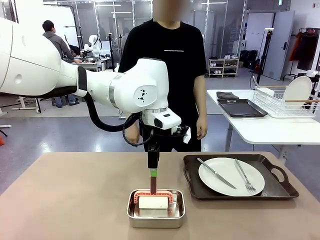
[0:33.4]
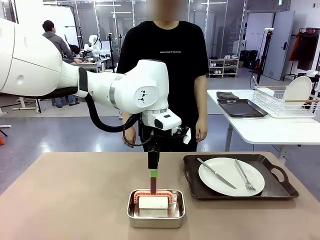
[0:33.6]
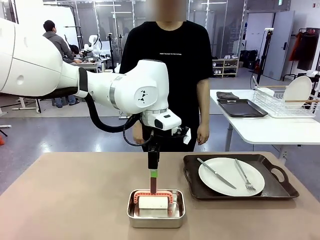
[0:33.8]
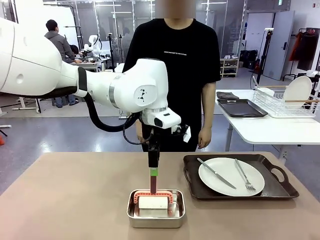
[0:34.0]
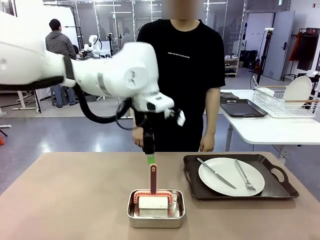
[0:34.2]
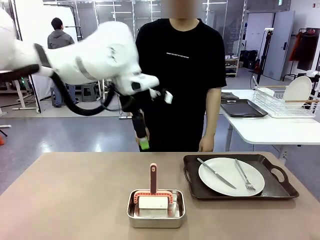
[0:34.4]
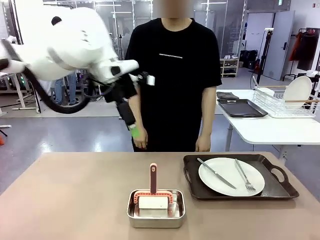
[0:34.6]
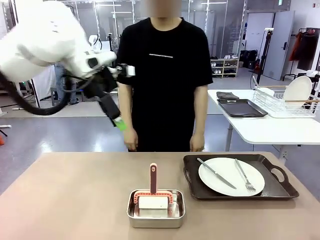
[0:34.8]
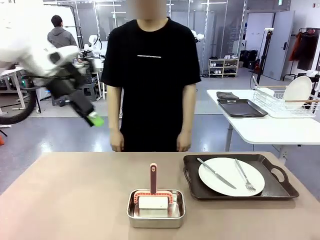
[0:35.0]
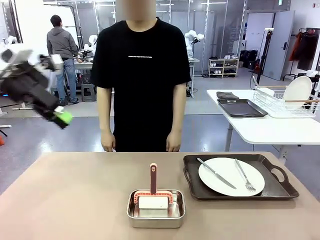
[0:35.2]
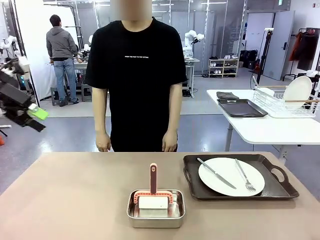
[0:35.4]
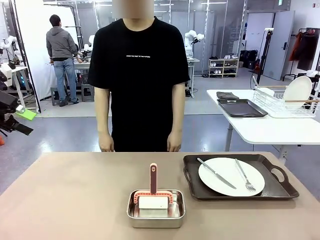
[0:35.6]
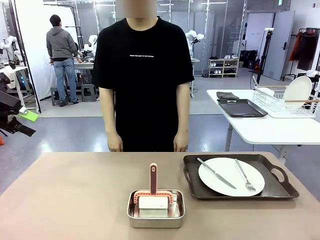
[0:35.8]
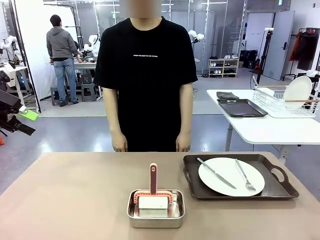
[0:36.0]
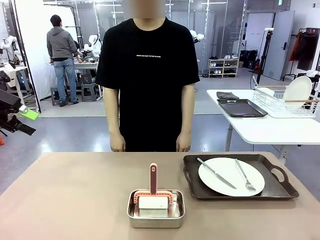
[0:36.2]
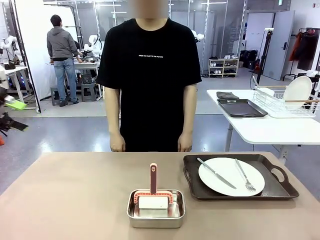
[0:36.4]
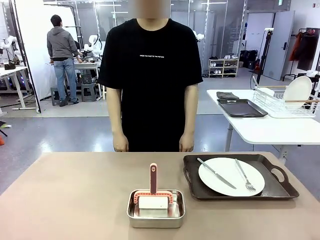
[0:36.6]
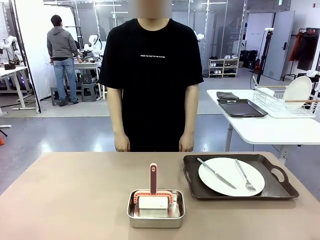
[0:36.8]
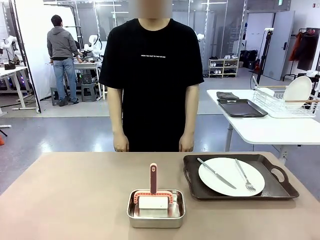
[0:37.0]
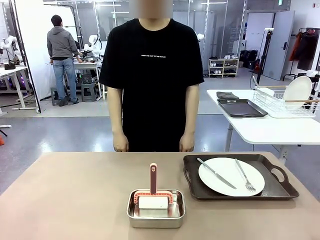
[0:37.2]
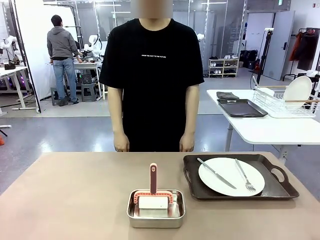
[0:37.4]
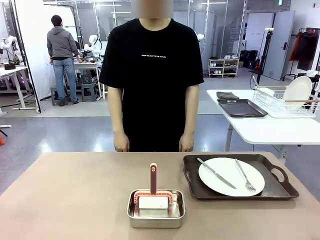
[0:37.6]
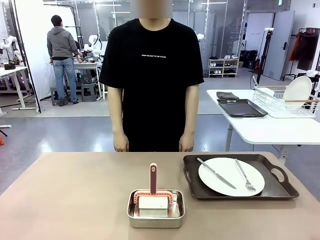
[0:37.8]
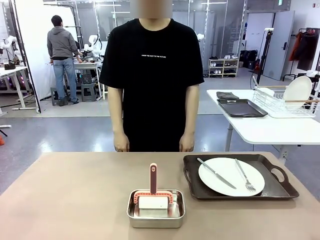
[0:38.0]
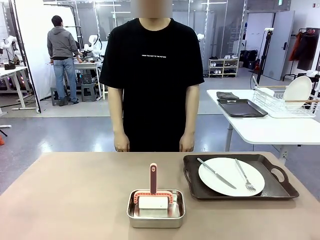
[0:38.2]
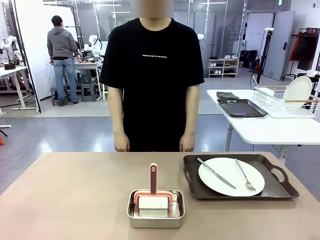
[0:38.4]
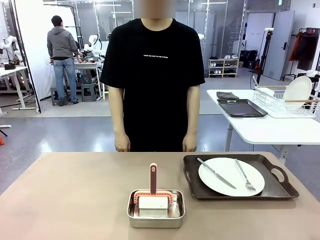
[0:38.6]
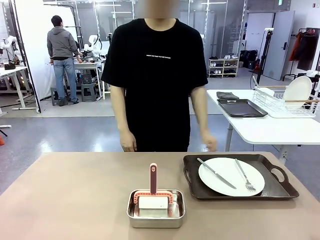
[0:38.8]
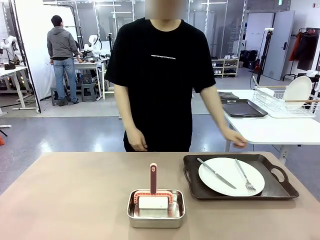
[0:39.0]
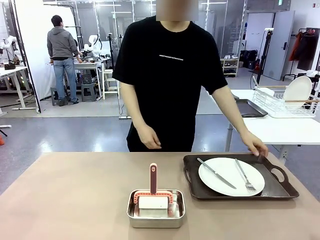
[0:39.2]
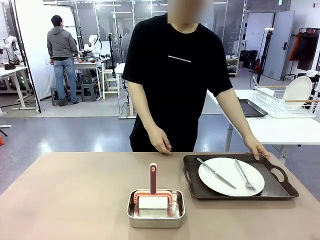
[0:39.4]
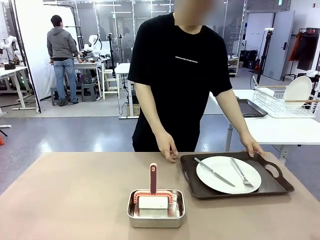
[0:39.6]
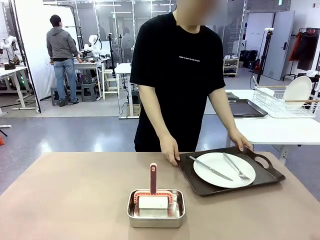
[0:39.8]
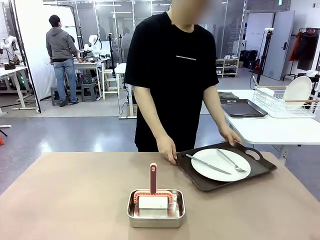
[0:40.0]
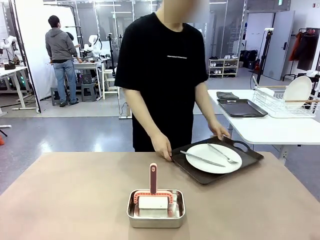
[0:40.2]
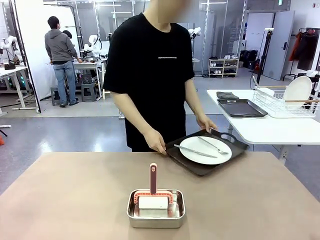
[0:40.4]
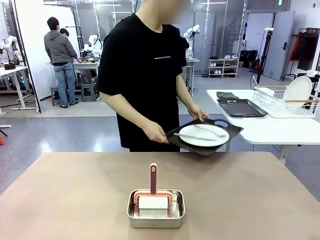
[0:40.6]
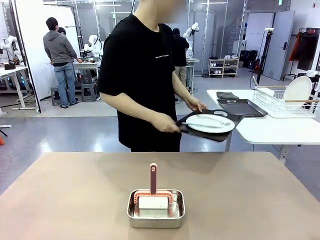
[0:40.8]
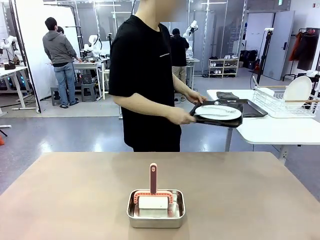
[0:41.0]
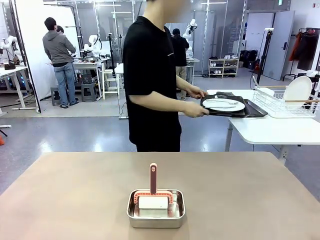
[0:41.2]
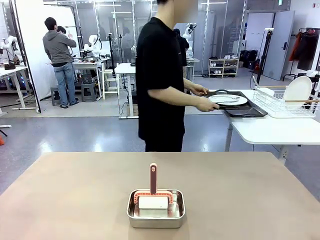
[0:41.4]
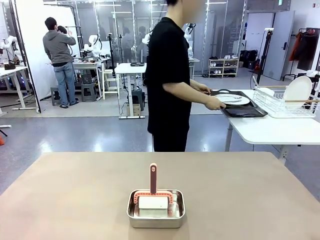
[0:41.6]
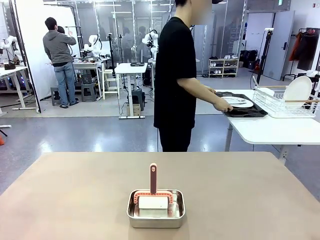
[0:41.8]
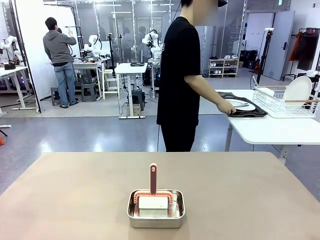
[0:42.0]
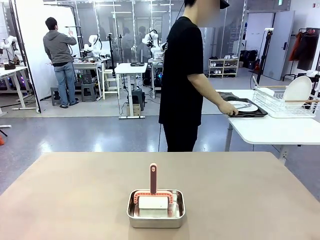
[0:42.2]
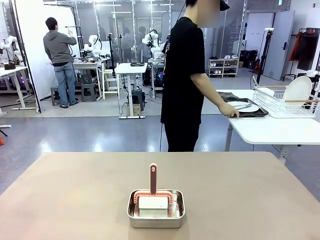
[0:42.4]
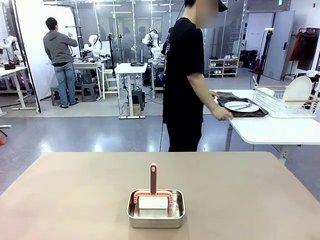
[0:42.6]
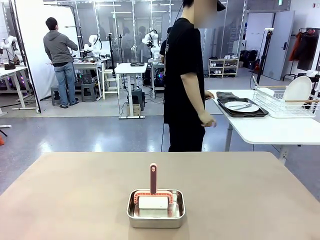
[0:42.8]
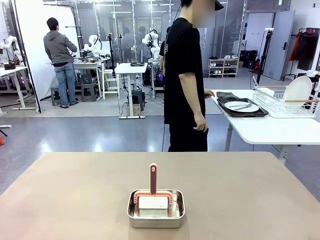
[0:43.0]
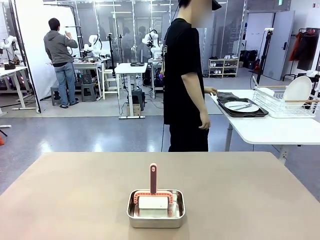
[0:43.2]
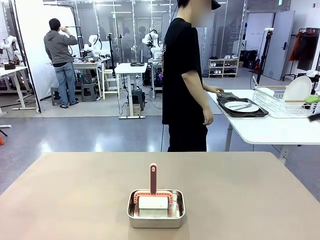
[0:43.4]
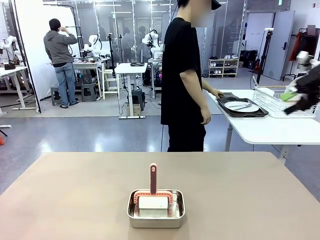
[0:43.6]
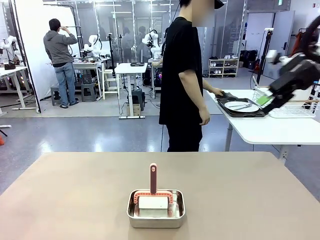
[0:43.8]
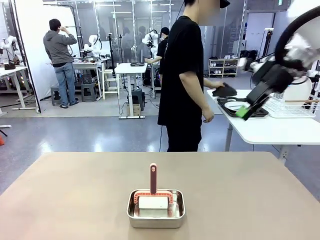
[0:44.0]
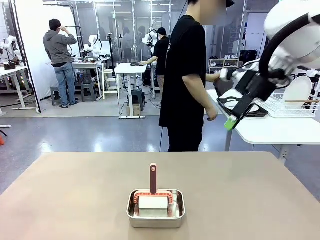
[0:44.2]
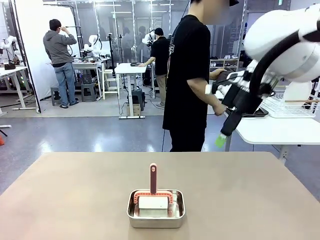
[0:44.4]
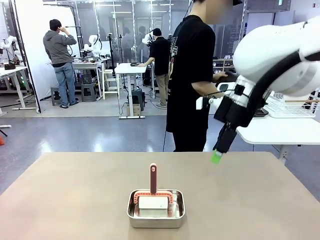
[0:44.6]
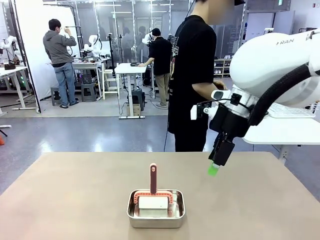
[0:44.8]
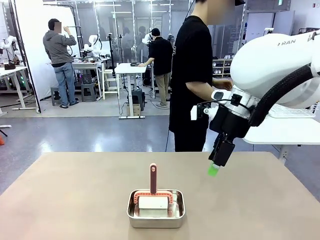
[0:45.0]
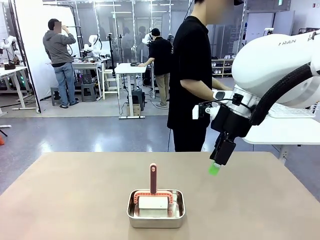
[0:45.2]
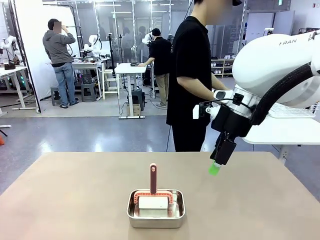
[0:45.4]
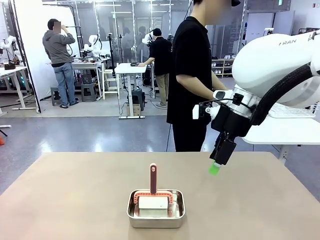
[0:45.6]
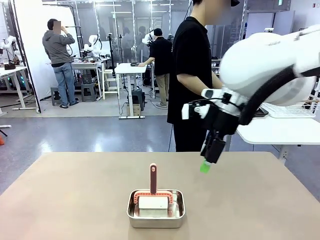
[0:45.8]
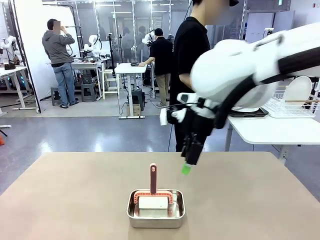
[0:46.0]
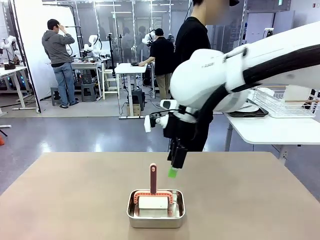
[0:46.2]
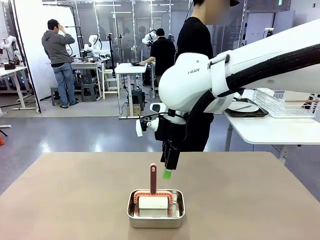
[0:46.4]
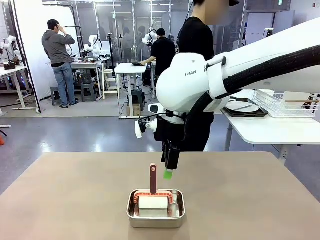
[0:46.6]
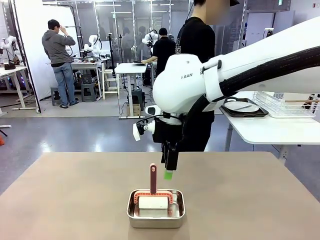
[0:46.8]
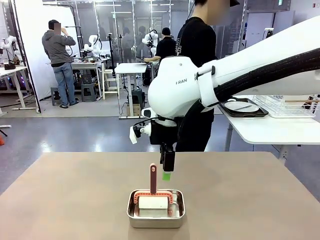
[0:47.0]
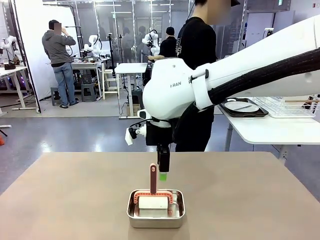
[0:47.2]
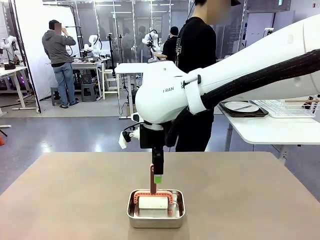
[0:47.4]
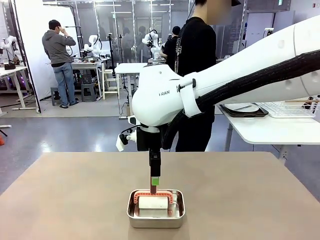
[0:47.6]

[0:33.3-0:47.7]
Robot: When the right (or left) Handle tray is removed, use the right hand (or left hand) to clean the right (or left) side of the table with the Lint Roller.
Person: Pick up the left (or right) Handle tray and place it on the Handle tray.

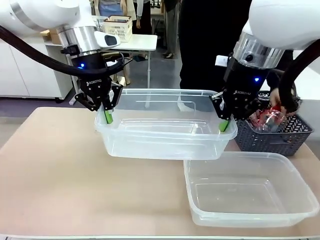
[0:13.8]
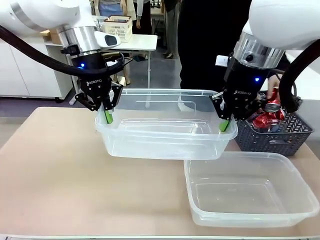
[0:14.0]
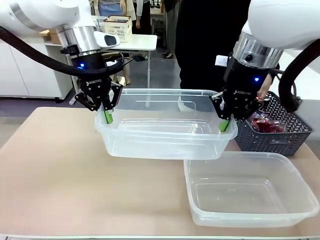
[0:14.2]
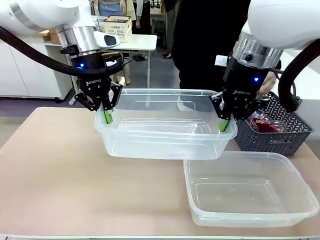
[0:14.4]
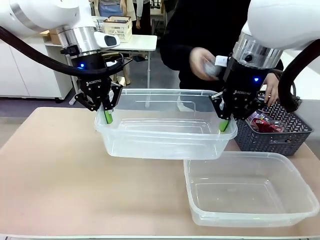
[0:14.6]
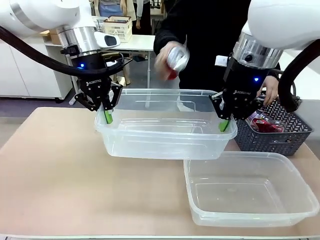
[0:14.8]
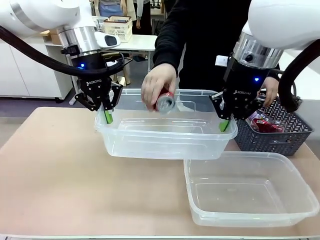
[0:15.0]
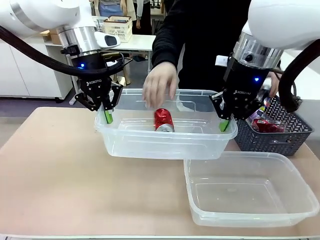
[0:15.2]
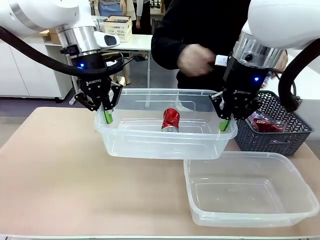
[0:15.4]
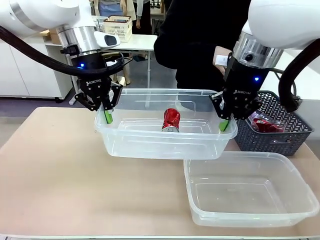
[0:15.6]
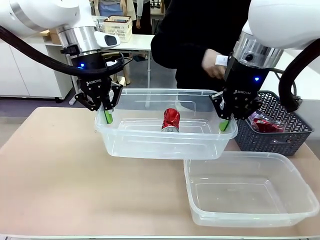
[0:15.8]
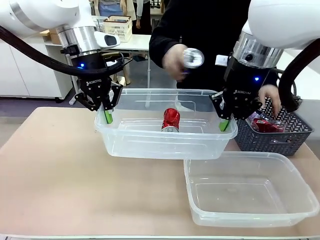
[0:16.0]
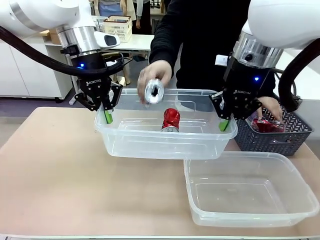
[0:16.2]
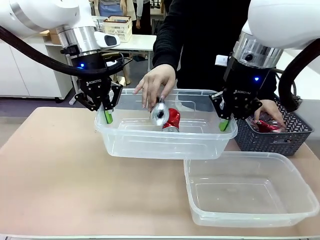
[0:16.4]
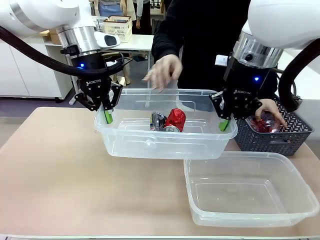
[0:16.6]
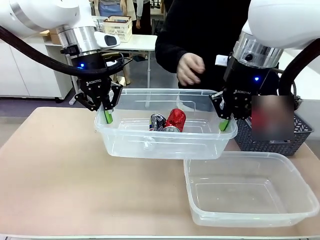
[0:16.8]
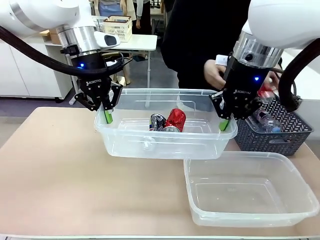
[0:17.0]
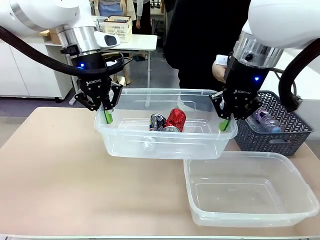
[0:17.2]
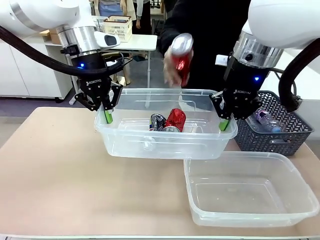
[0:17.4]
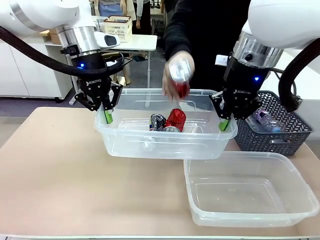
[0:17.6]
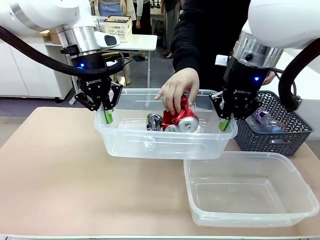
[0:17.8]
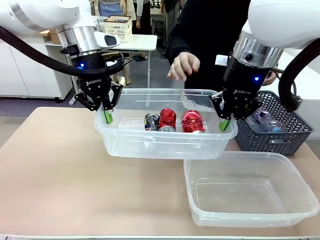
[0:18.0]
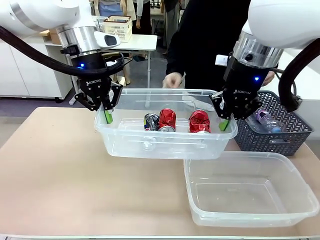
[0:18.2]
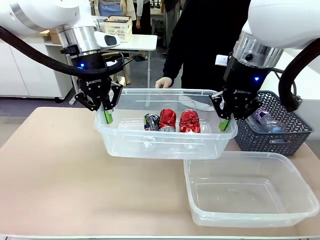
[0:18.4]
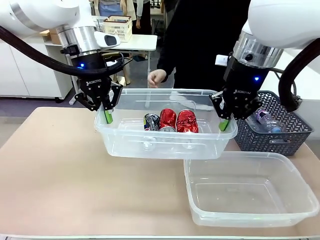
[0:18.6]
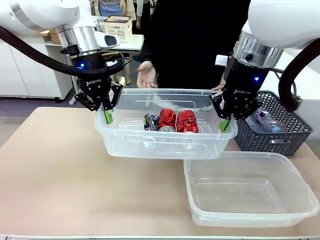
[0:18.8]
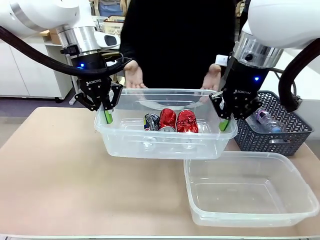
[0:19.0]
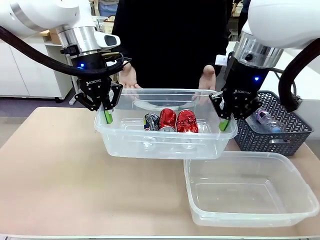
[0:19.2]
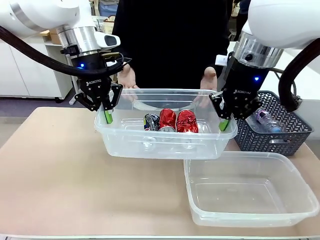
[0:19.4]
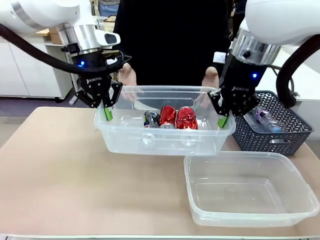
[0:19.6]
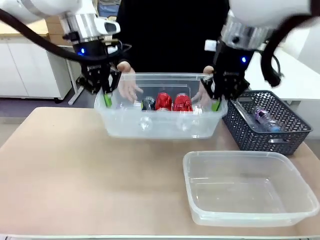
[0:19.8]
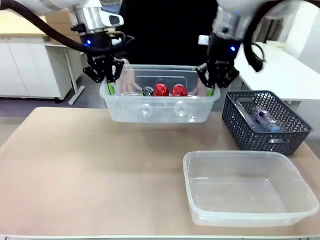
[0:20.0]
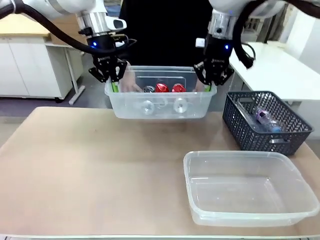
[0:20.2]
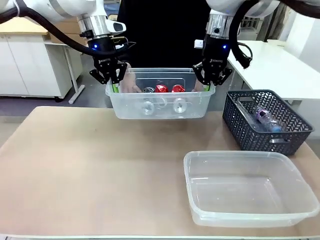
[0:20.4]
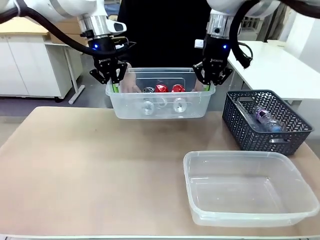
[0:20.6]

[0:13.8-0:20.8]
Robot: Offer the picked Organizing box to the human.

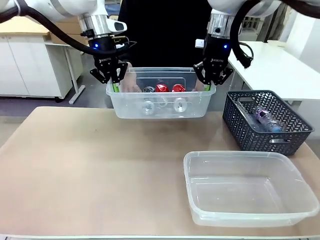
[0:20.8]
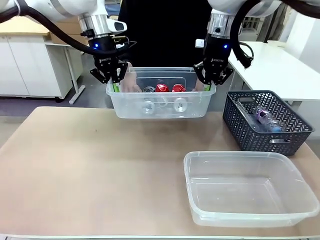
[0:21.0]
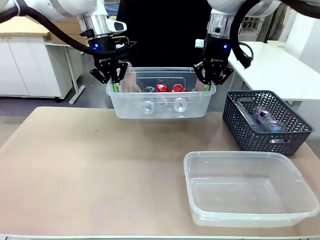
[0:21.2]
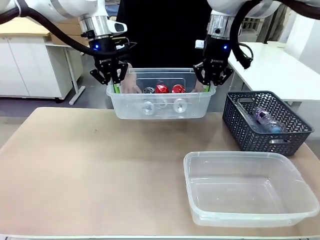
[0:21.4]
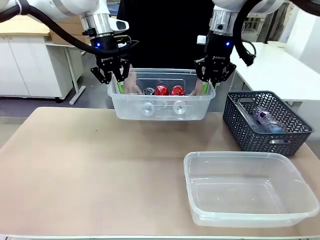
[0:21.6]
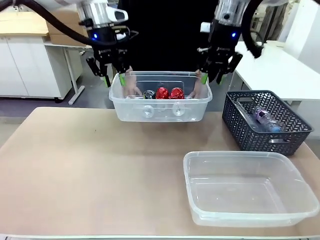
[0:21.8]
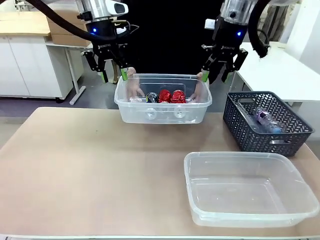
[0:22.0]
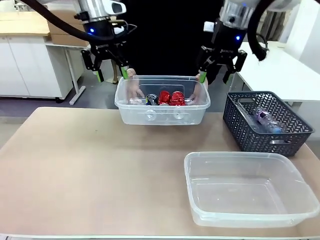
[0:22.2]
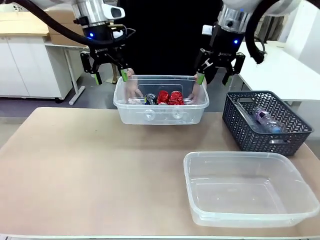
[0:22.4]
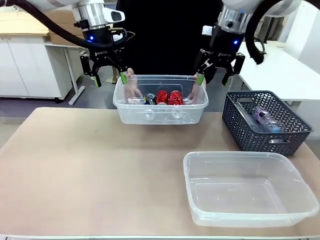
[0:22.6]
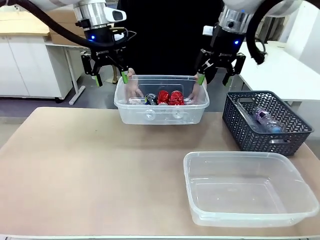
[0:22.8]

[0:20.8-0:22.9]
Robot: Release the Organizing box you were holding.
